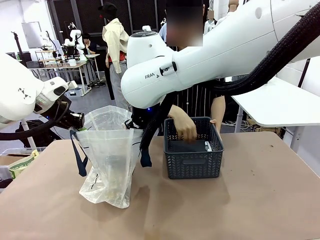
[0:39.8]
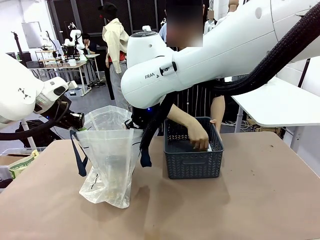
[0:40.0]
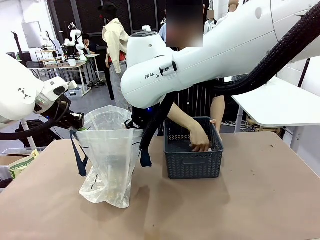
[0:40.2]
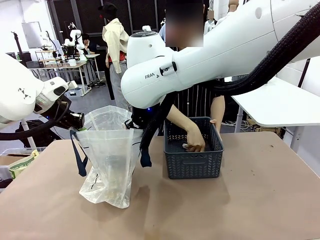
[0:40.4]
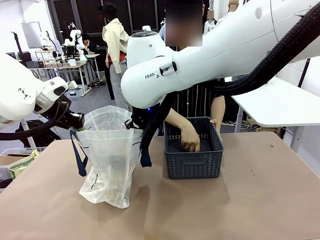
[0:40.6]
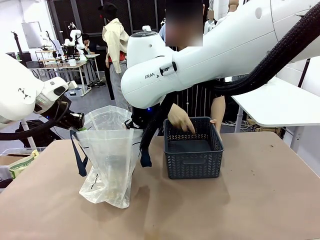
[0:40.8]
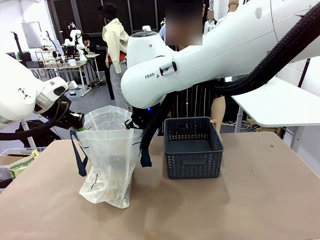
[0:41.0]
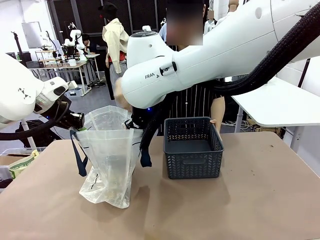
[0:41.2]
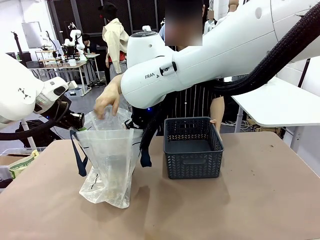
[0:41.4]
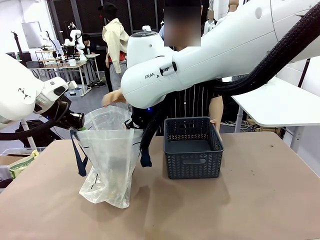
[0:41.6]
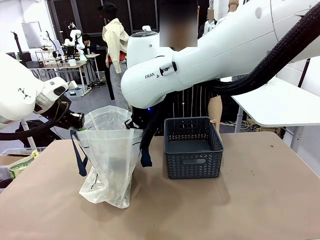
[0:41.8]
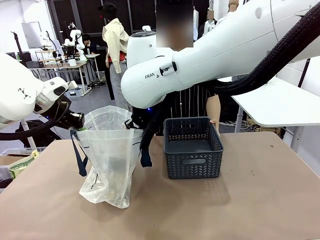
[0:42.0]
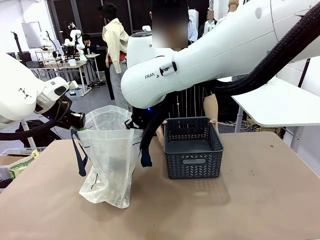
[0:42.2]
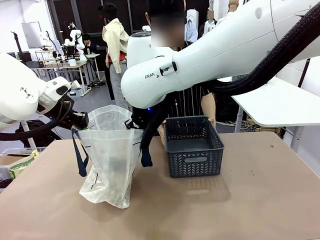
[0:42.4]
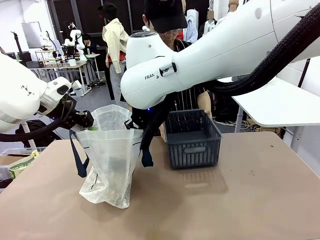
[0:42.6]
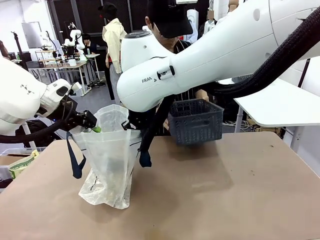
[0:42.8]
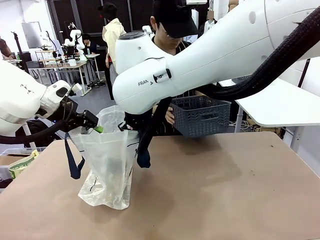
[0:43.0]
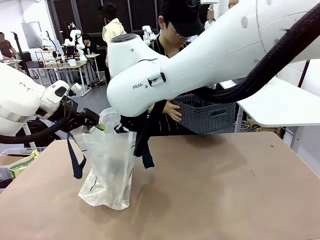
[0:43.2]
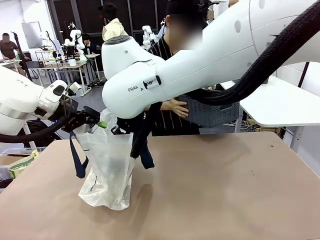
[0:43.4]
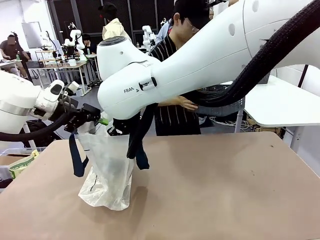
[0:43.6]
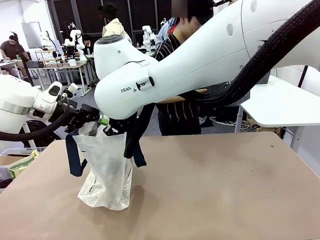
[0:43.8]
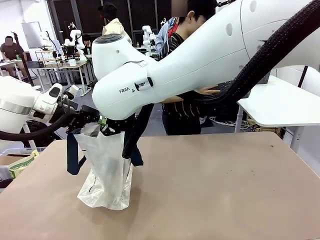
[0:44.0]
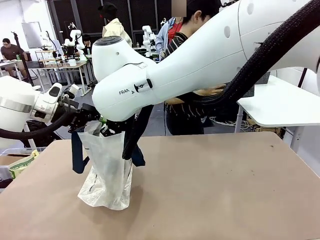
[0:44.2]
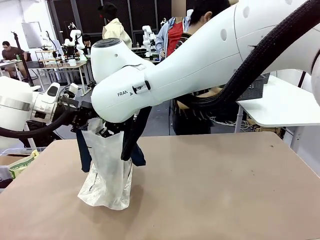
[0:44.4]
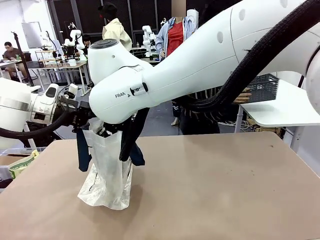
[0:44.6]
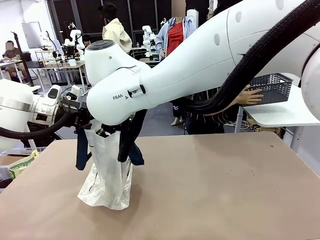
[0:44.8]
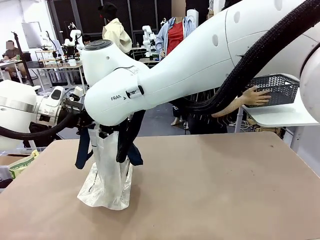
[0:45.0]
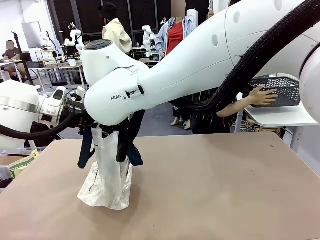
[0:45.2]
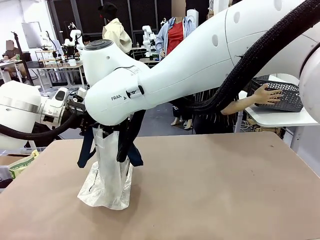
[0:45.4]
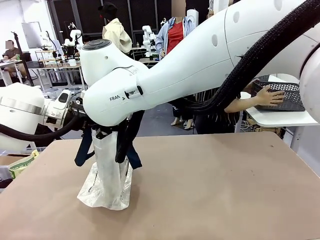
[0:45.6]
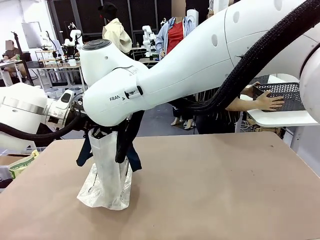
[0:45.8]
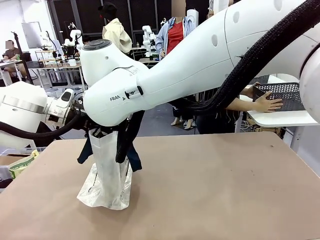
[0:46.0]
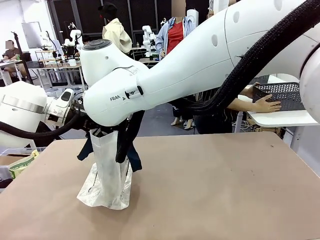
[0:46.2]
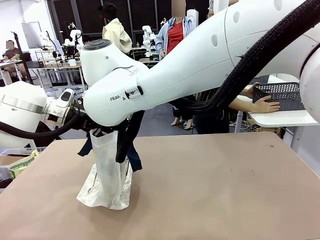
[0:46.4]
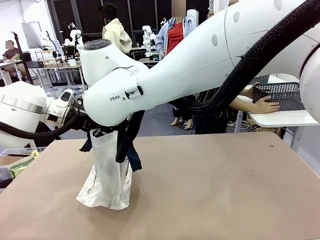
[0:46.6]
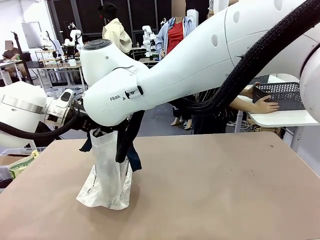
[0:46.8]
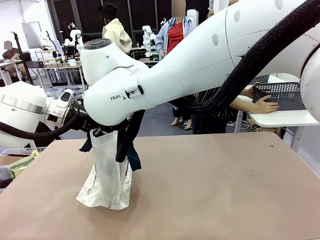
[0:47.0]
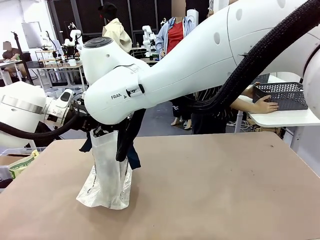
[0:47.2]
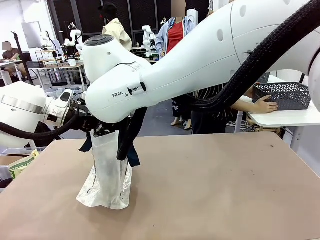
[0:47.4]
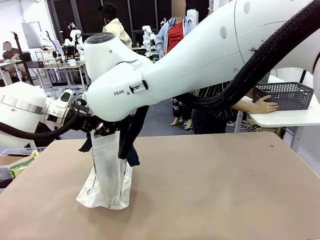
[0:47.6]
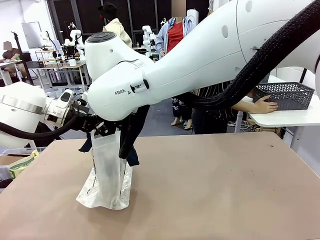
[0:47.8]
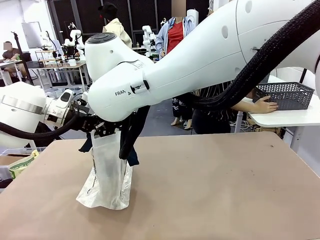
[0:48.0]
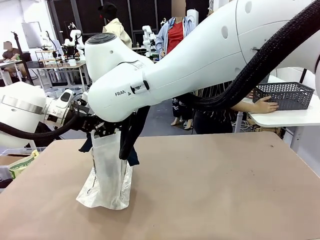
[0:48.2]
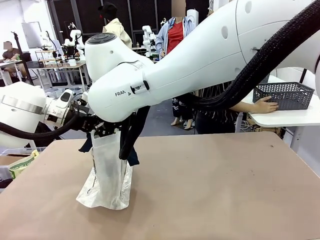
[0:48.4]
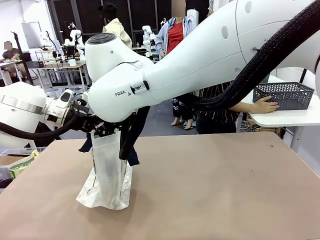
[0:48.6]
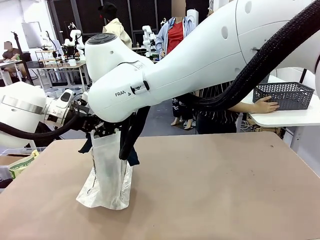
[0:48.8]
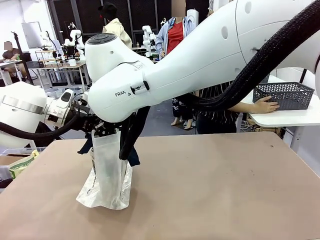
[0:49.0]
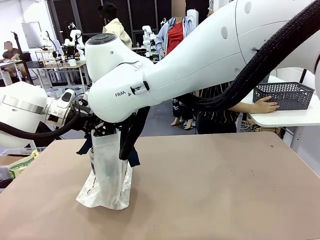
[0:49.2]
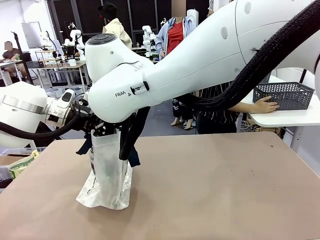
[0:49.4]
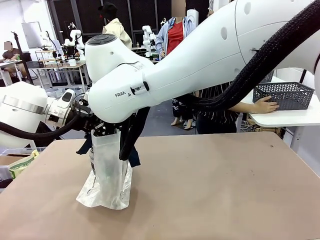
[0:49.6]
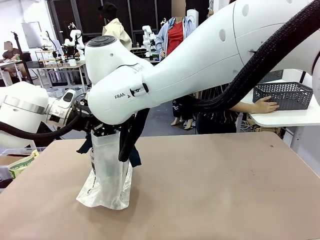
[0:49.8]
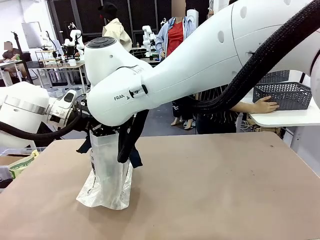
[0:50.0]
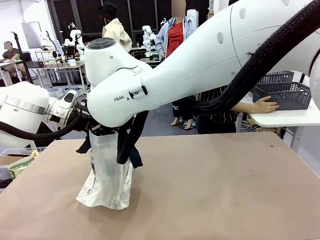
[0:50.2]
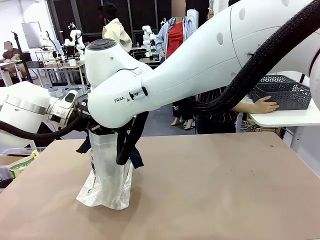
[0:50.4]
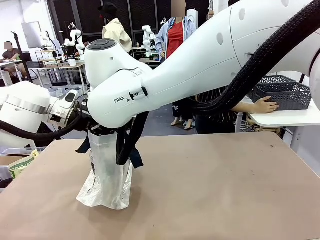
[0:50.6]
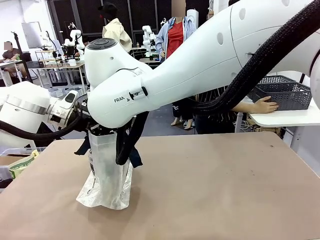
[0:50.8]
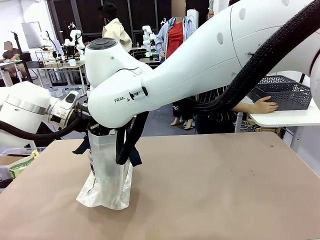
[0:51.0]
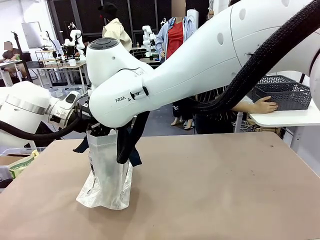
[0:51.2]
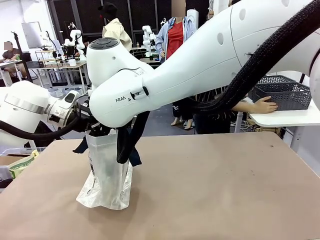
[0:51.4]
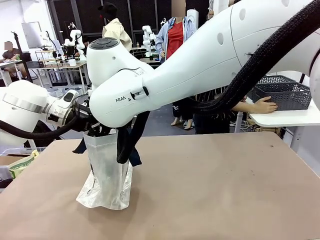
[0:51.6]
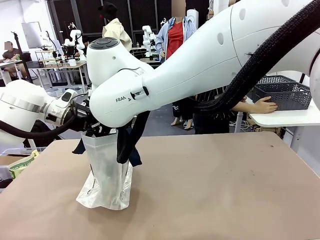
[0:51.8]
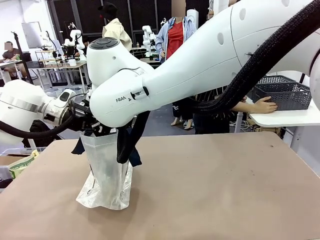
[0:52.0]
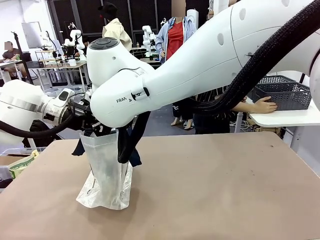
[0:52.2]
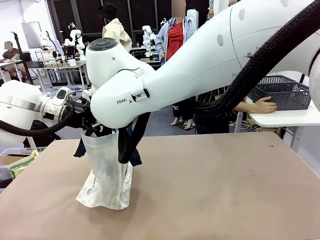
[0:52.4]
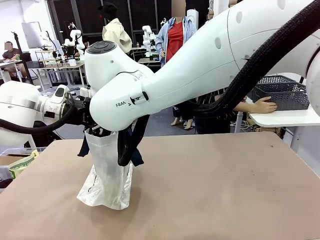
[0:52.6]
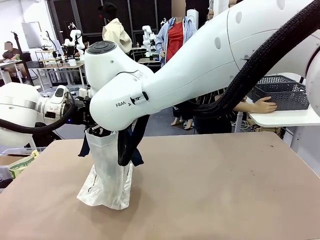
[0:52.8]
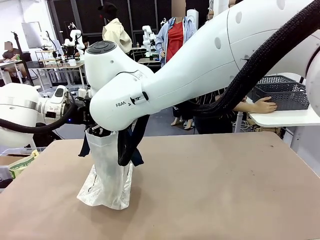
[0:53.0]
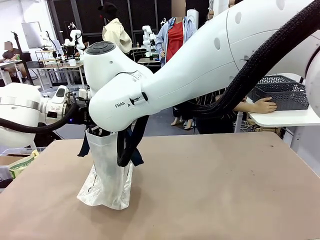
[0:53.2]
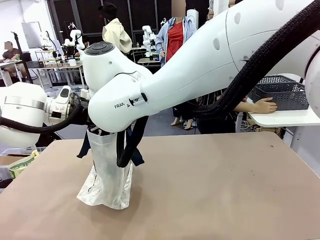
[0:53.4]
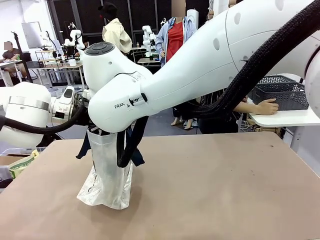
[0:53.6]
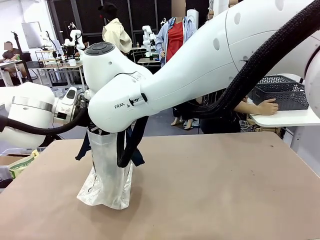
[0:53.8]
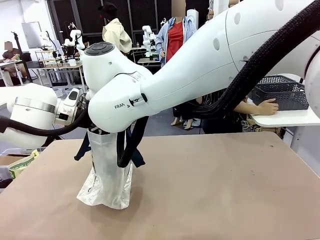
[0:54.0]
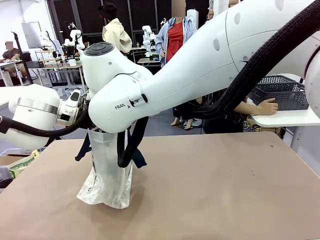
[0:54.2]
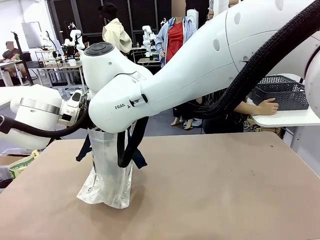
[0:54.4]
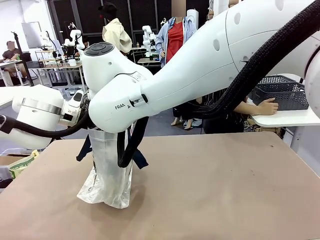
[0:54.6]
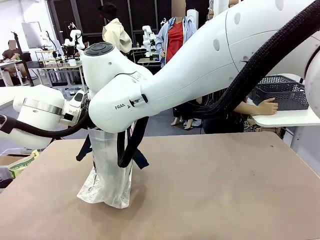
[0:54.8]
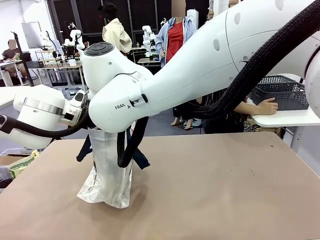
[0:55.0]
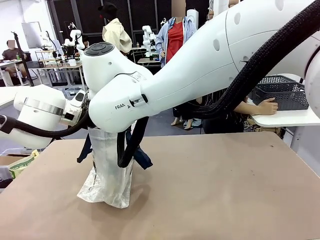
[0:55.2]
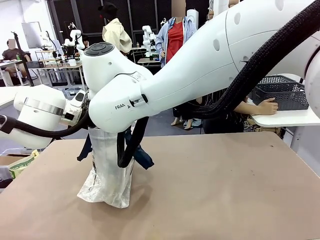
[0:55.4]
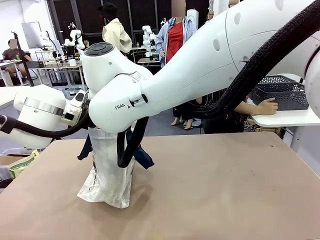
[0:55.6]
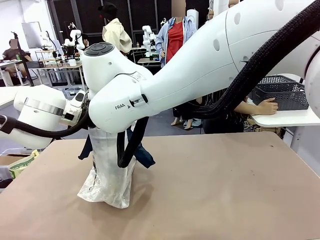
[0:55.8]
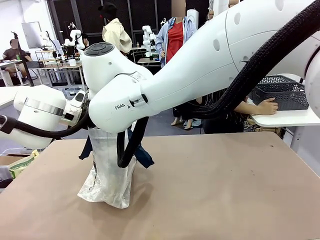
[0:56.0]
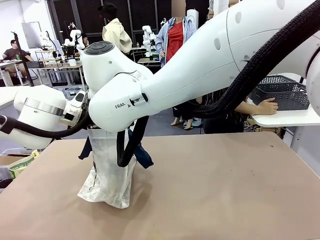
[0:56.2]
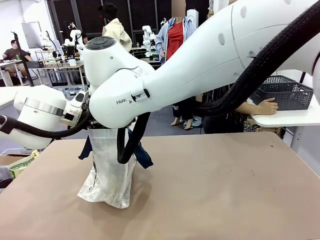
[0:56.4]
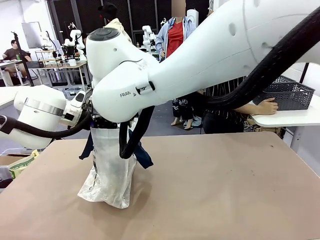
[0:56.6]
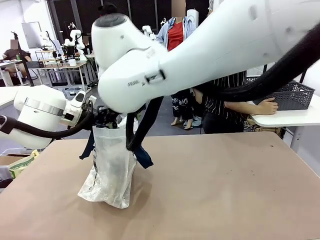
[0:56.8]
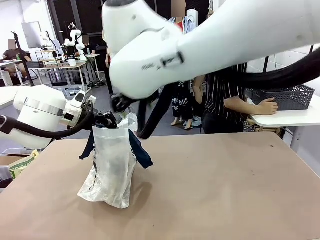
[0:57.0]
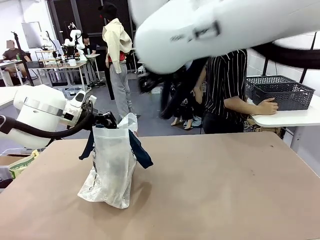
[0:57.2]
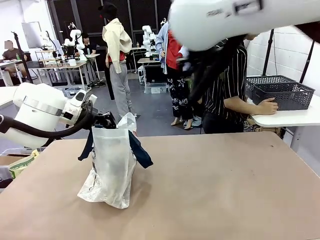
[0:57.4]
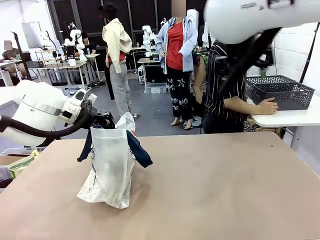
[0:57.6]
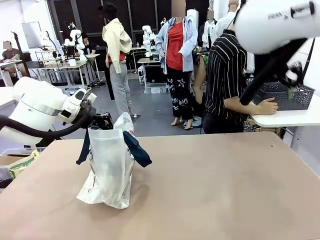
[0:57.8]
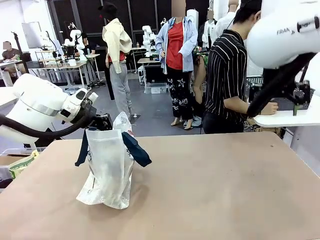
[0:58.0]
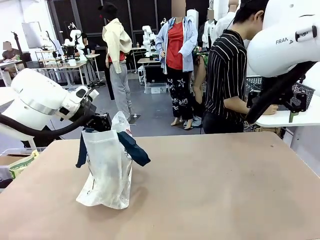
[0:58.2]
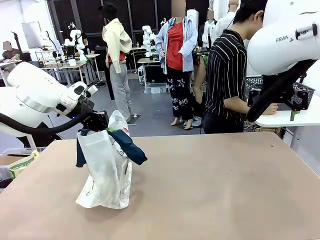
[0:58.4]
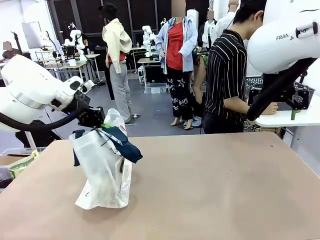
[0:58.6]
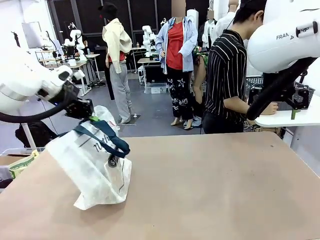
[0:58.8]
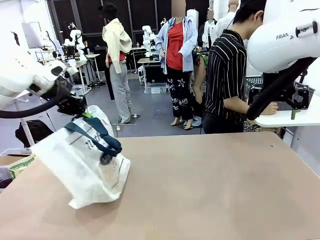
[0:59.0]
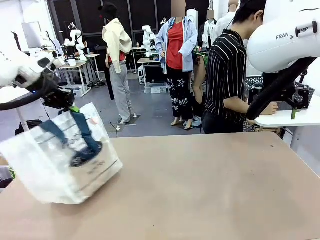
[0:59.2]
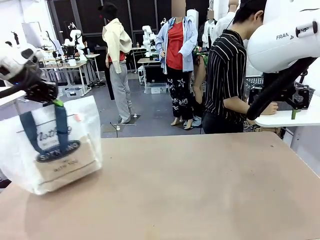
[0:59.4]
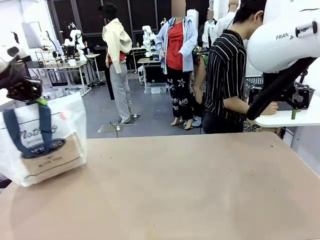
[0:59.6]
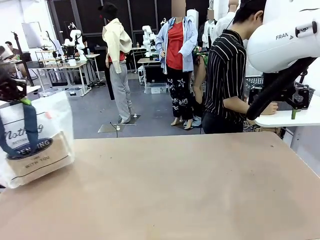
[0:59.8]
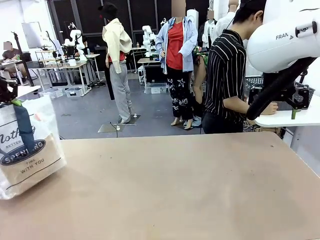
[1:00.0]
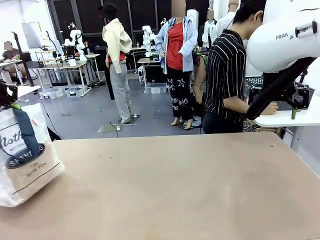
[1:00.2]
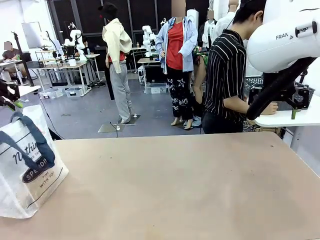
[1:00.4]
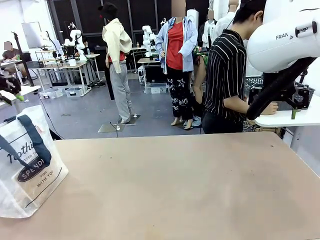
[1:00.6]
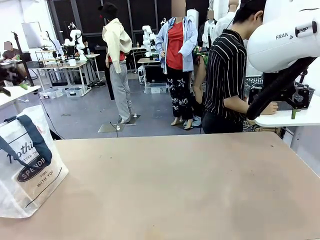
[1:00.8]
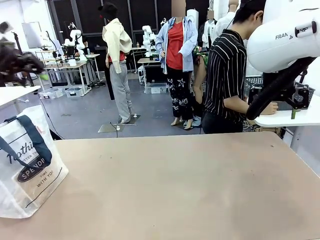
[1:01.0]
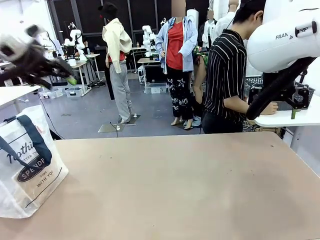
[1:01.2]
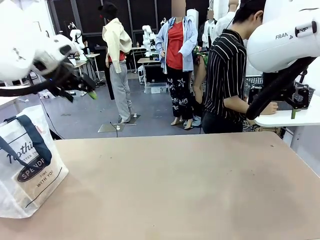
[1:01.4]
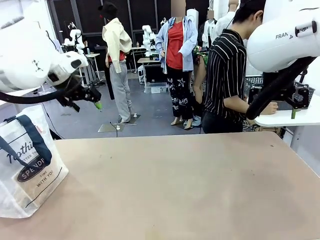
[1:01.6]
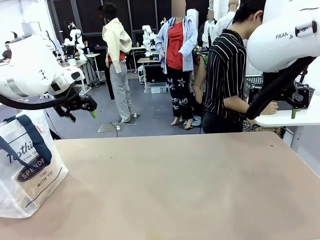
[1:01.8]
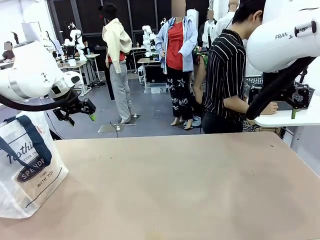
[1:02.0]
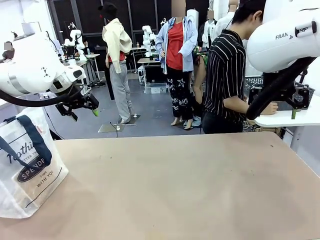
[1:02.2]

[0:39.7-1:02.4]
Task: Transfer purchased items from the store into the shopping bag.
Robot: Move the Reusable shopping bag to the right side of the table.
Person: Move the basket on the left to the middle of the person's table.
